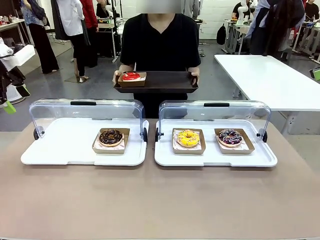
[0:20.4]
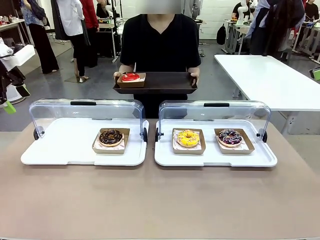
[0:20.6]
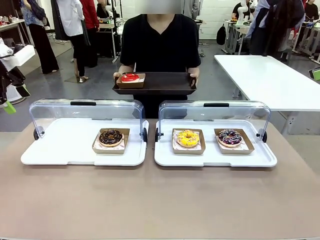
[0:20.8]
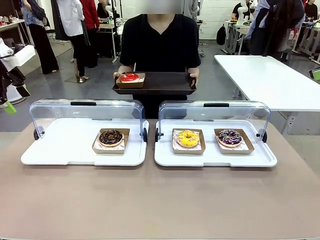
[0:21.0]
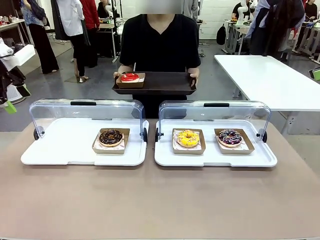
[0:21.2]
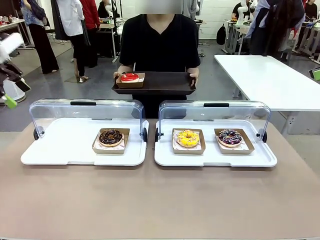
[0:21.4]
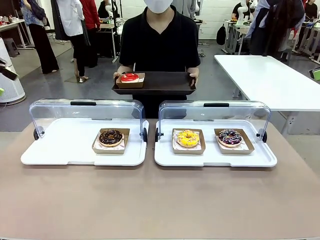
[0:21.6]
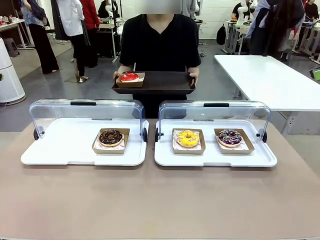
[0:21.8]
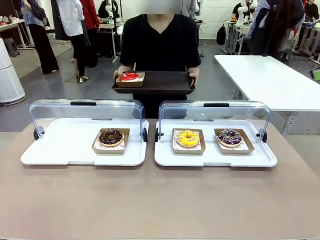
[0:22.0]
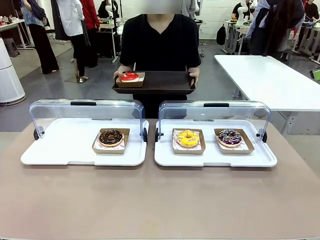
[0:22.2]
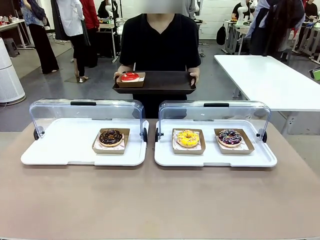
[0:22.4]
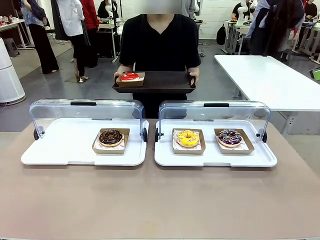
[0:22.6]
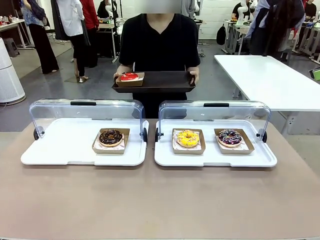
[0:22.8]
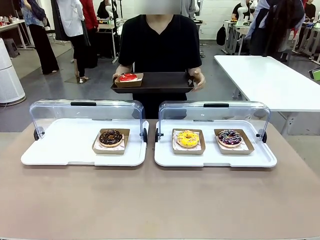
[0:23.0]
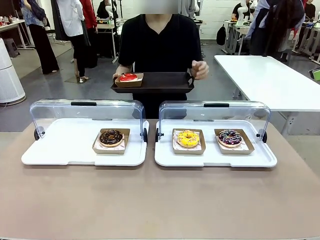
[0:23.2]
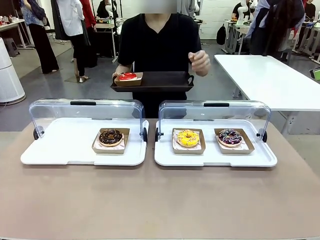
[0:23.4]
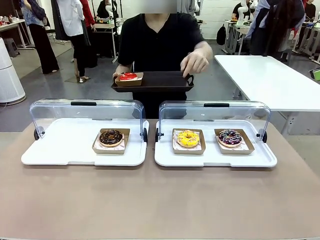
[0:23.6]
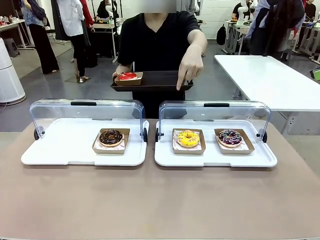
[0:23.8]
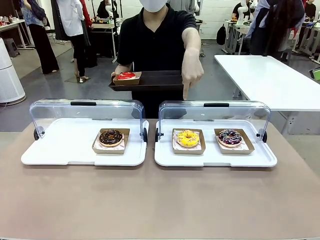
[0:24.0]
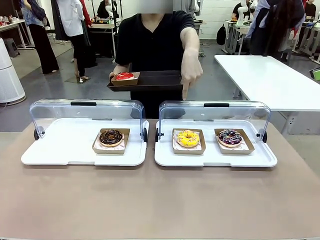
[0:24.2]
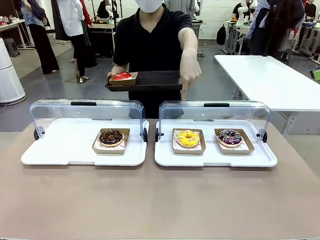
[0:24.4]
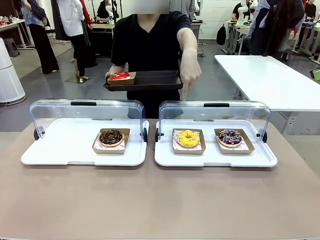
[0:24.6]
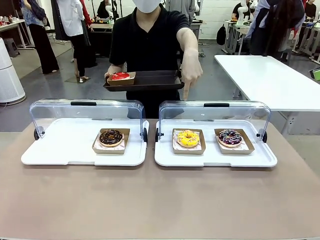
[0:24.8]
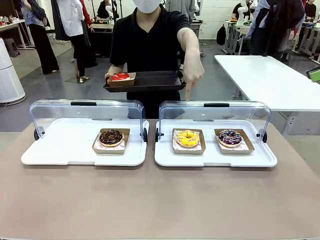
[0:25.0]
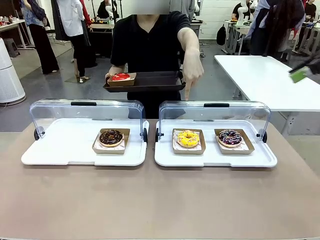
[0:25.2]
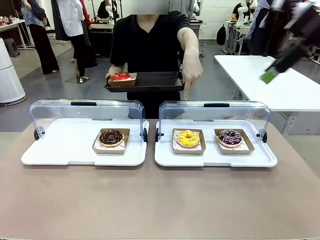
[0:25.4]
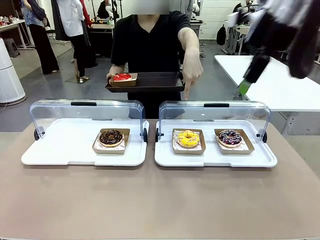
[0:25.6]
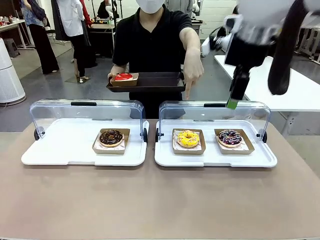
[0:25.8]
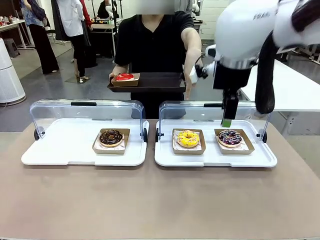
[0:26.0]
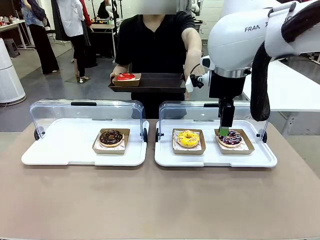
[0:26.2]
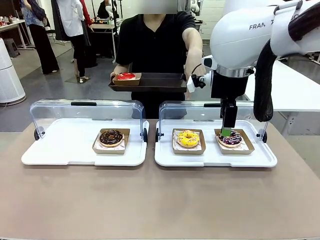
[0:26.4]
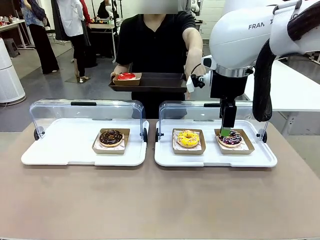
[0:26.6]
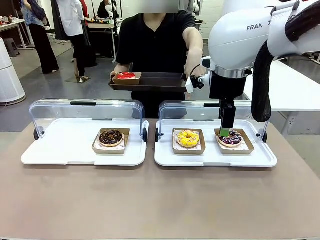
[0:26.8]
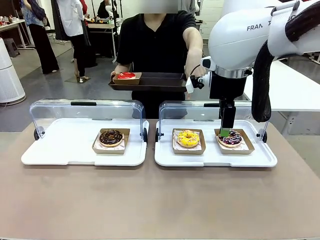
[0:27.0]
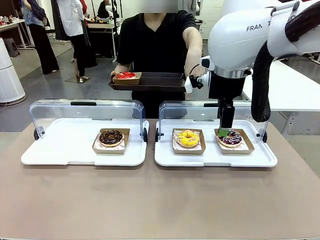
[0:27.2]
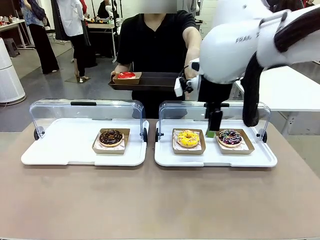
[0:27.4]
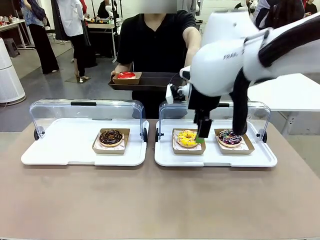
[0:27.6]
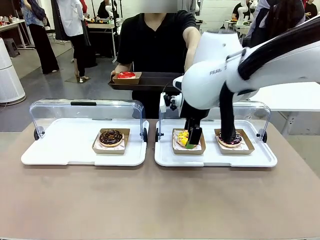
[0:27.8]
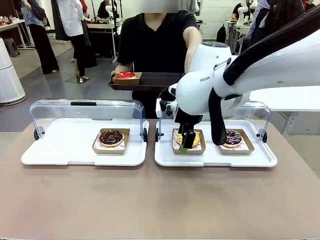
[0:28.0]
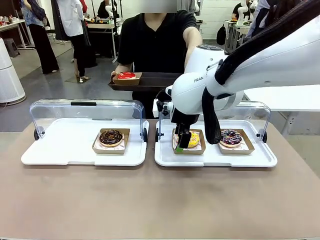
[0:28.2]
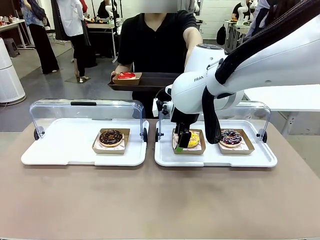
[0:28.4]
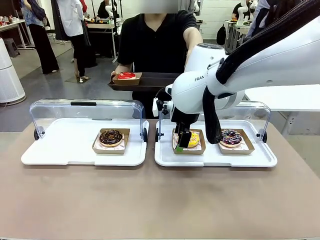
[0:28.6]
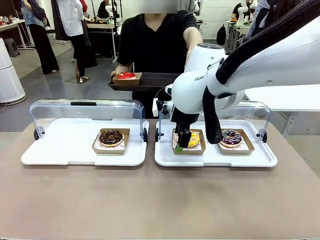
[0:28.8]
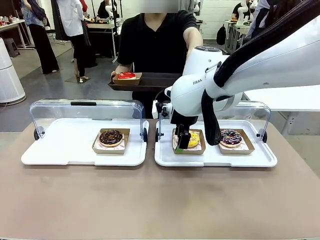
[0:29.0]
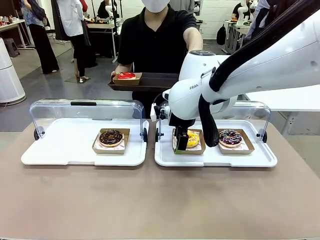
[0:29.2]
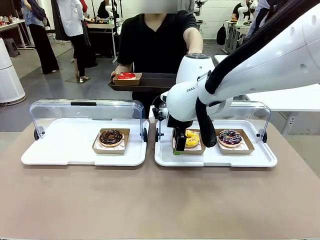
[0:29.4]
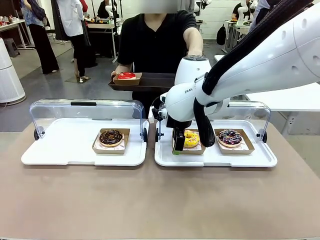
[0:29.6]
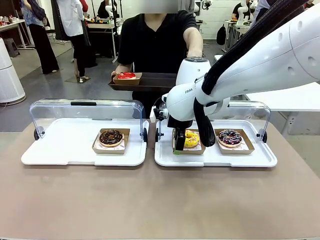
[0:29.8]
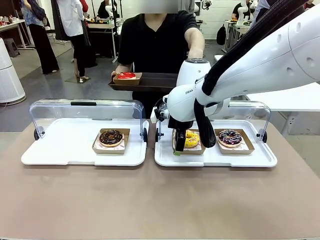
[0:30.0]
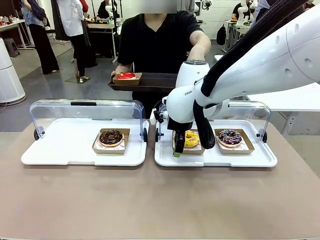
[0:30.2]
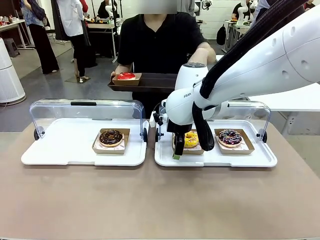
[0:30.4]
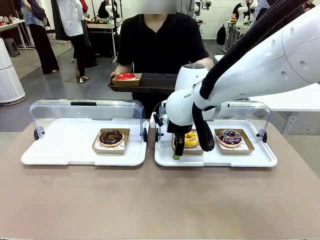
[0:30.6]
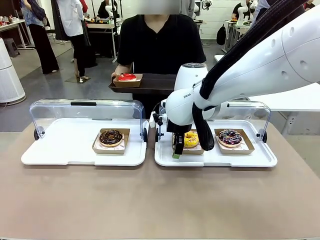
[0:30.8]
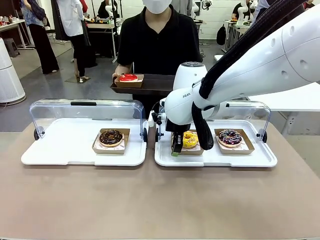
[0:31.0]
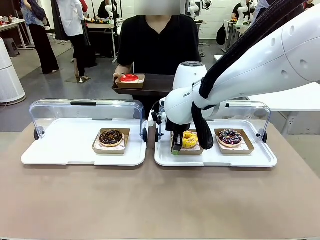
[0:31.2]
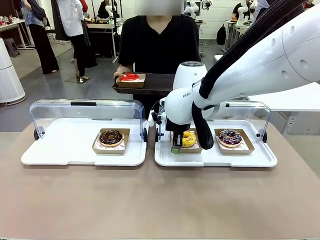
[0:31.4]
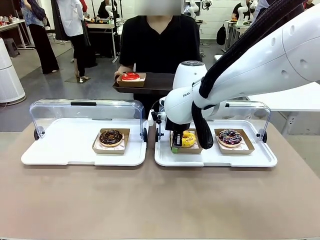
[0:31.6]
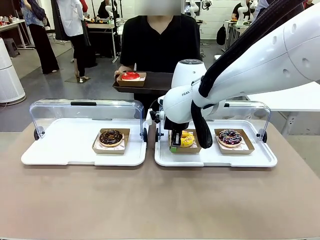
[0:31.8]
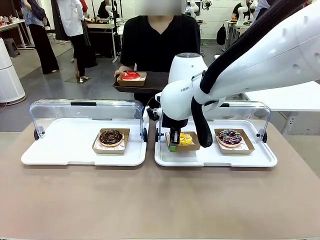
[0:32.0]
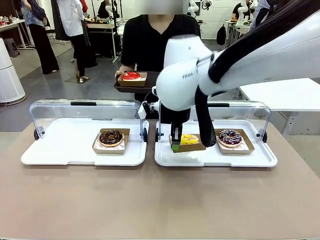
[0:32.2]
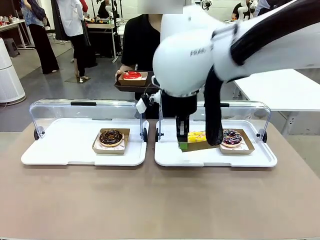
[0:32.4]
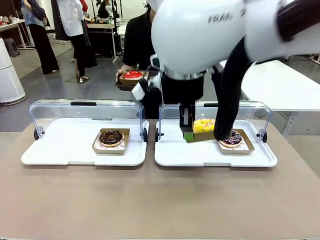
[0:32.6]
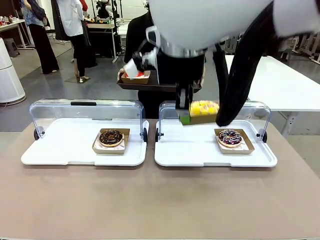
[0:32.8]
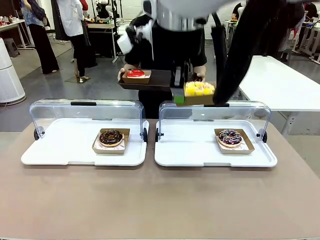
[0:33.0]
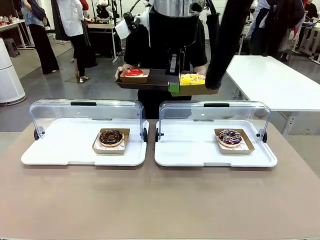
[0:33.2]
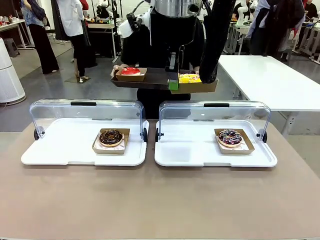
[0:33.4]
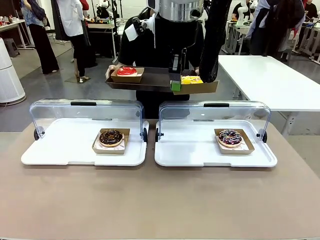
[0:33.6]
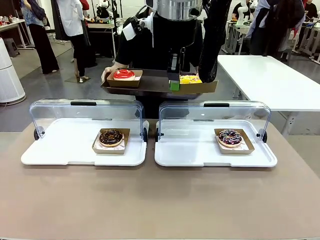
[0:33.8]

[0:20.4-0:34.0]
Task: Provide the desired donut to the person.
Robot: Pick up and lift the Paper togo box containing the Donut pointed at by the person.
Person: Point to one donut. Lift the tray onto the Roll-Top Bakery Case.

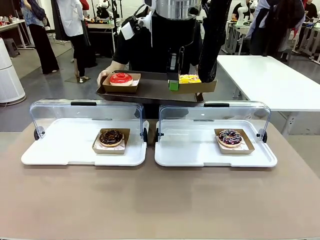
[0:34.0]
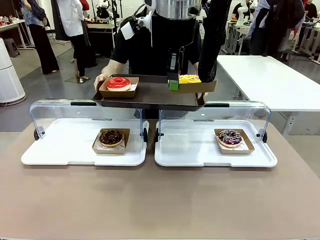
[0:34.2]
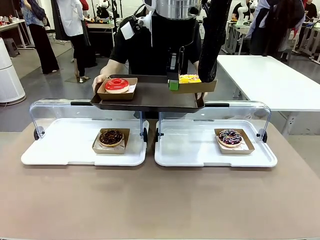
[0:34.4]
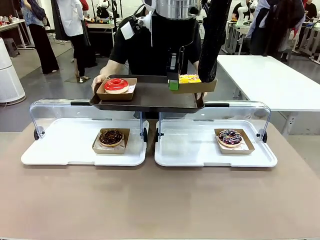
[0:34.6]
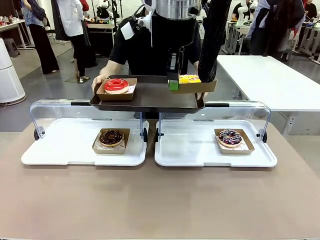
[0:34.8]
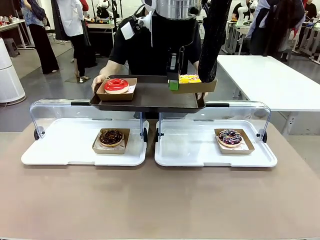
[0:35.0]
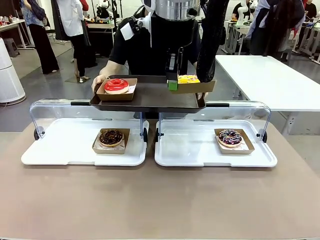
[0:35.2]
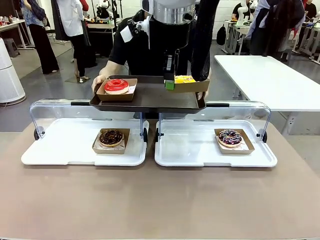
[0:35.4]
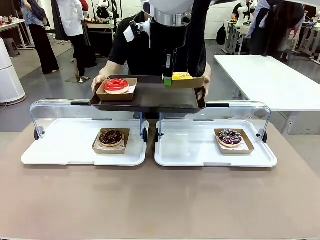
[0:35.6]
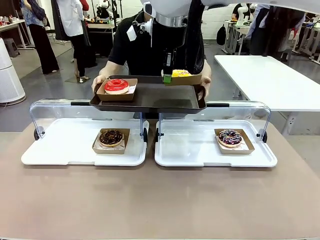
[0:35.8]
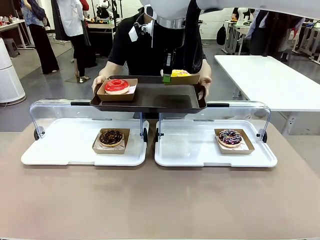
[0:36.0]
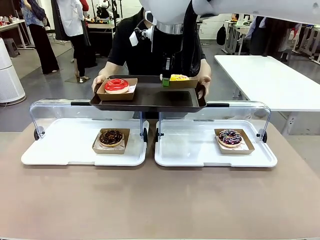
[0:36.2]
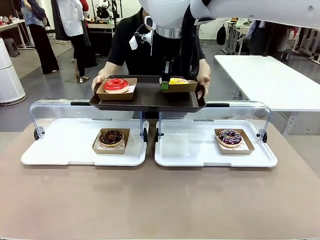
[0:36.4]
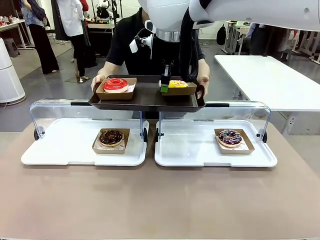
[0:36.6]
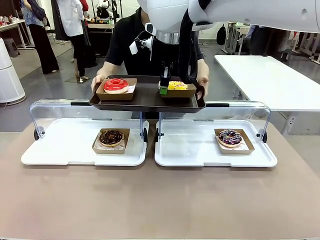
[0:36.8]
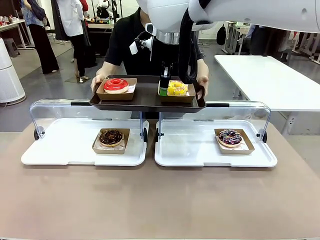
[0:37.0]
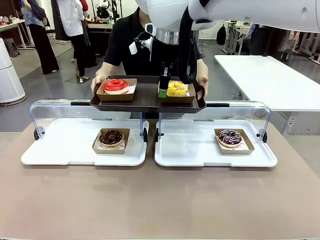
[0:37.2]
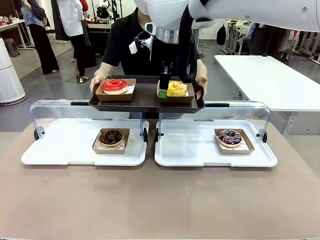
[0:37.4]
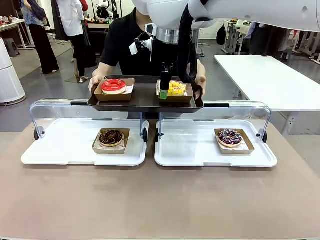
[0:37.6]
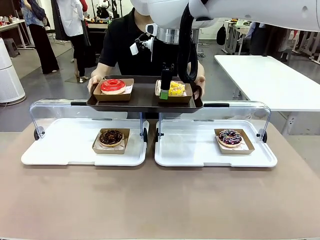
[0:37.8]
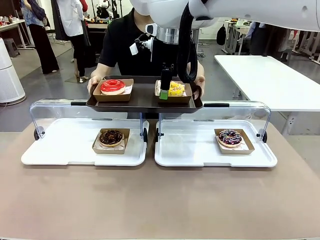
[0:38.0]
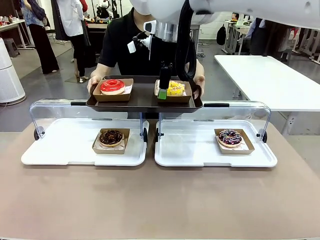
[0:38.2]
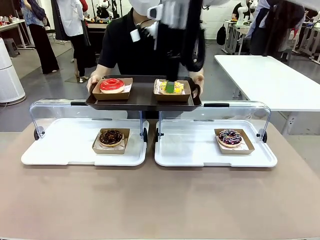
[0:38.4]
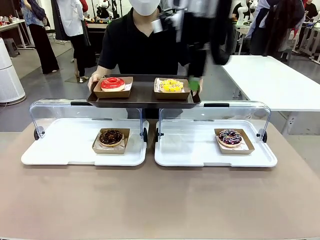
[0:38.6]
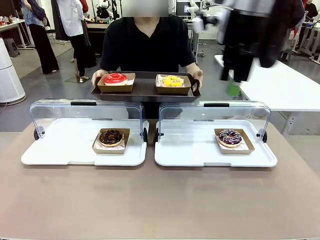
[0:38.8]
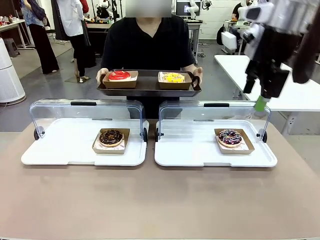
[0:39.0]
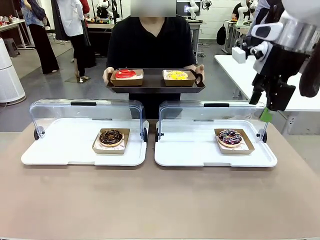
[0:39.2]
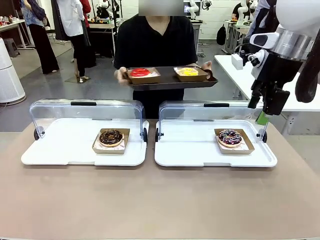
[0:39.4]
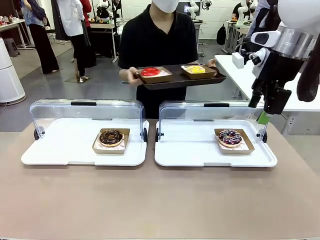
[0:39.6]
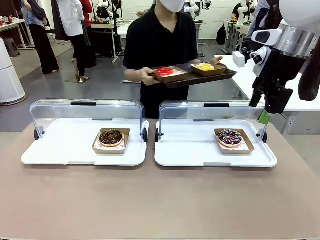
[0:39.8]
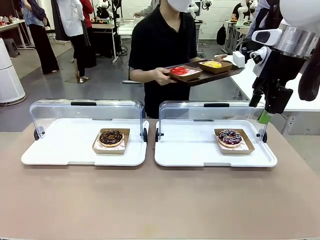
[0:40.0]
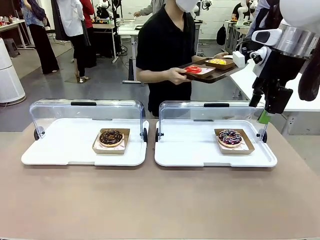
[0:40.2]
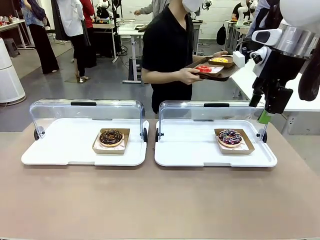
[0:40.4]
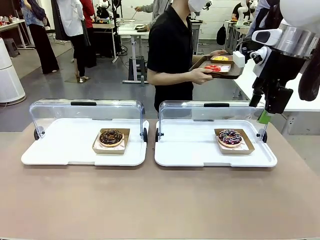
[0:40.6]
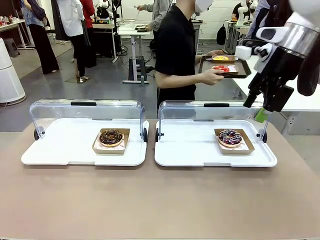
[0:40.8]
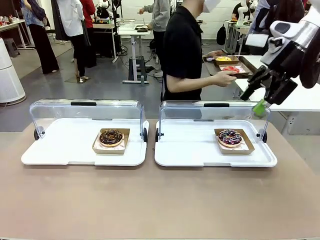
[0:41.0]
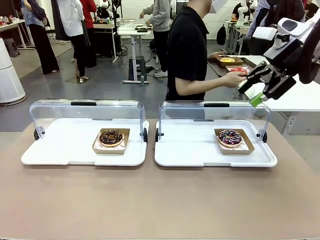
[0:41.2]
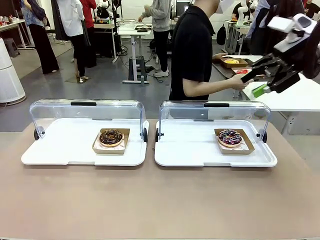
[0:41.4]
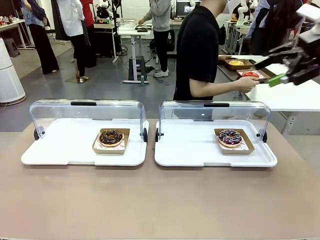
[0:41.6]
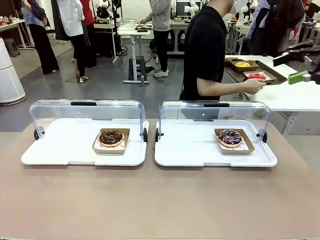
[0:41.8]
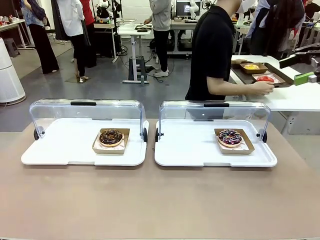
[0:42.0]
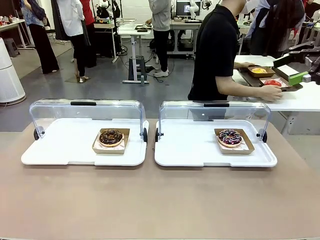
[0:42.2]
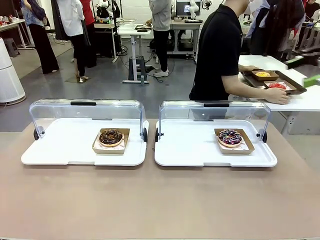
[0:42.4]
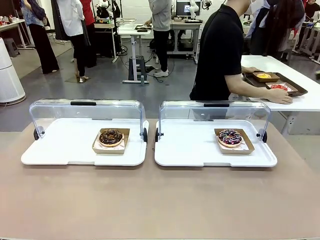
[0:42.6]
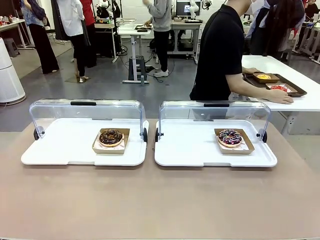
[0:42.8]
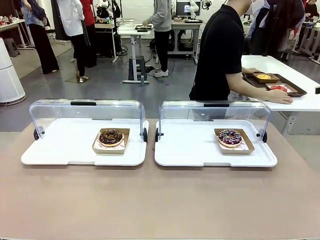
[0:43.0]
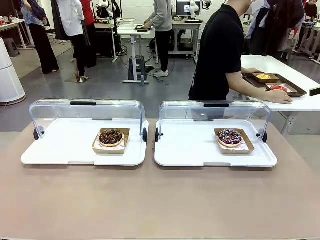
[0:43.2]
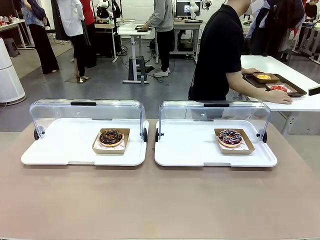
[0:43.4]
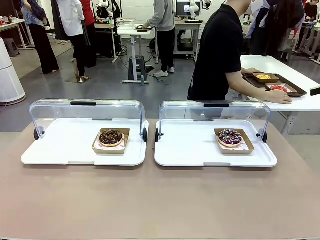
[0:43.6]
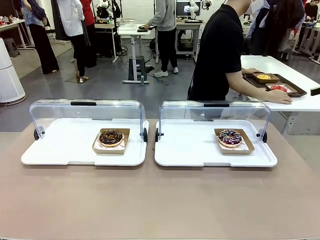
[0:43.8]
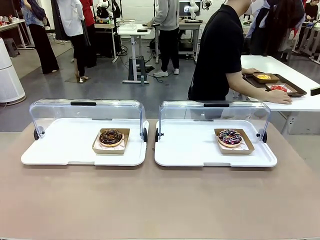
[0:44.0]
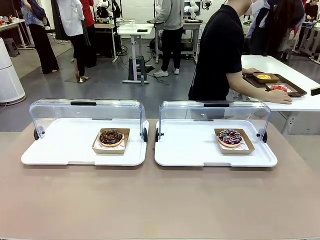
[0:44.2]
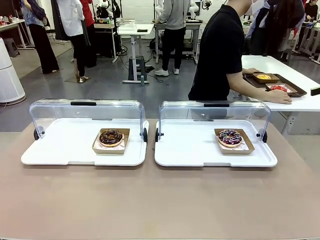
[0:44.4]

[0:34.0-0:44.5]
Robot: Place the picked Paper togo box onto the Handle tray extended by the person.
Person: Place the tray in the middle of the human table.
